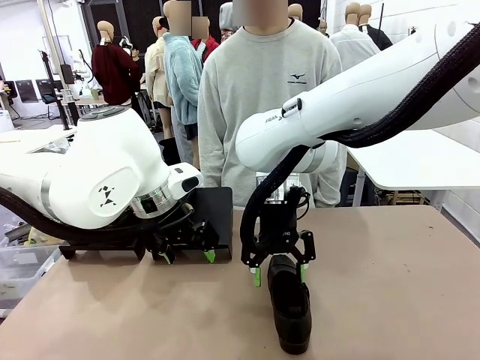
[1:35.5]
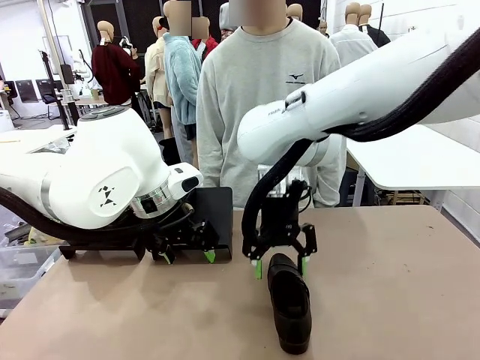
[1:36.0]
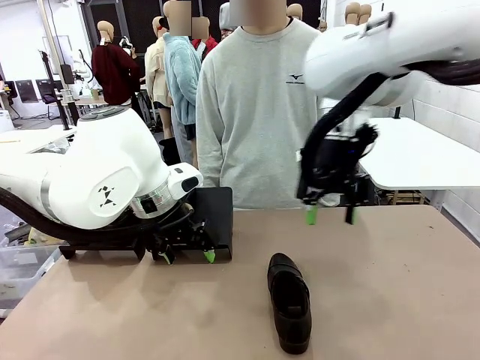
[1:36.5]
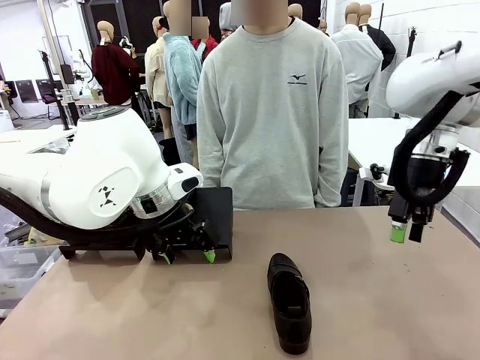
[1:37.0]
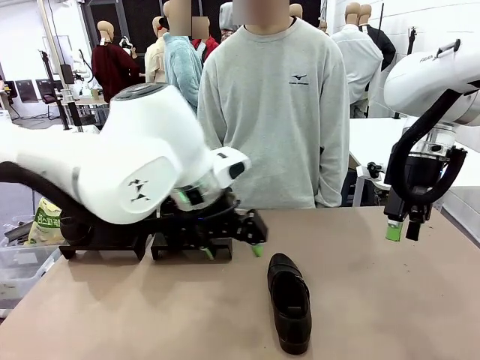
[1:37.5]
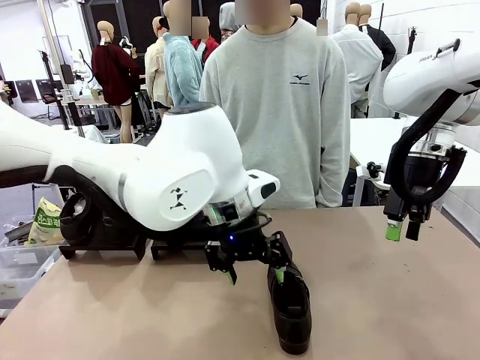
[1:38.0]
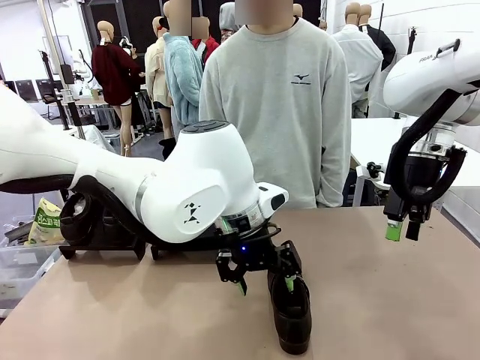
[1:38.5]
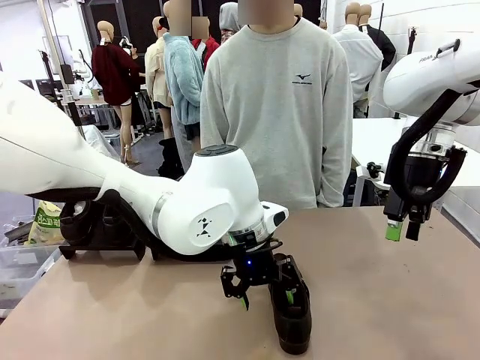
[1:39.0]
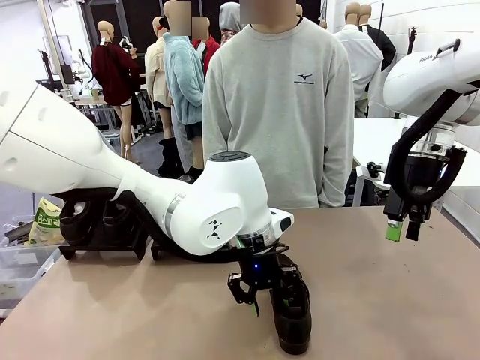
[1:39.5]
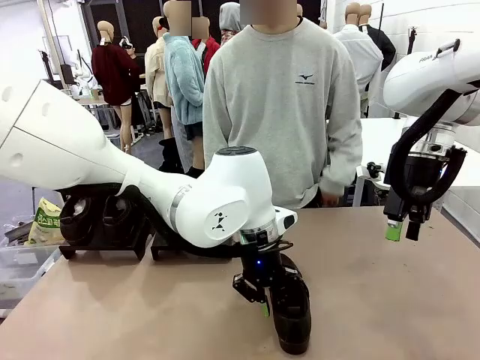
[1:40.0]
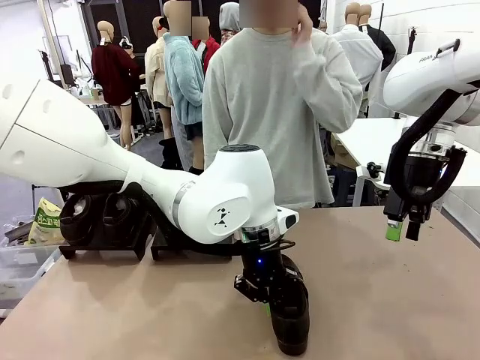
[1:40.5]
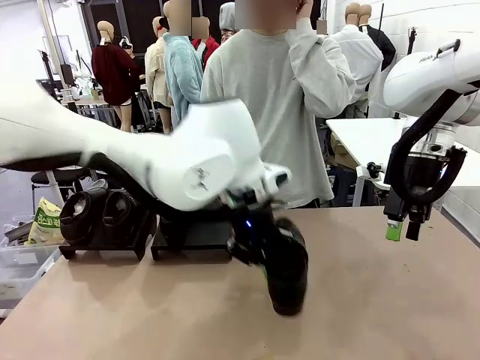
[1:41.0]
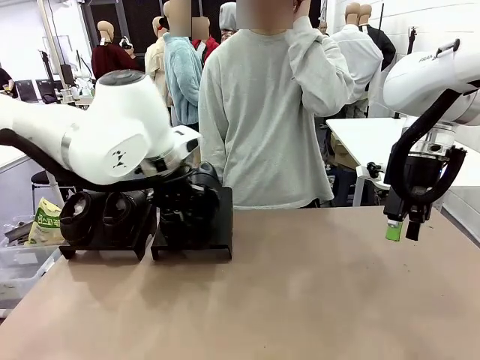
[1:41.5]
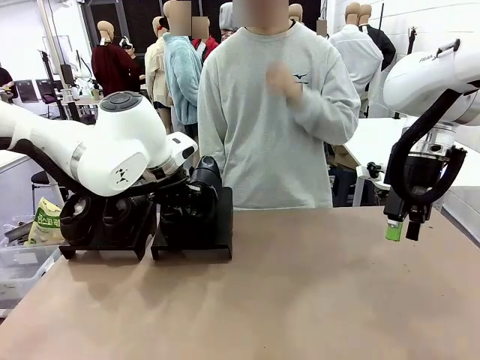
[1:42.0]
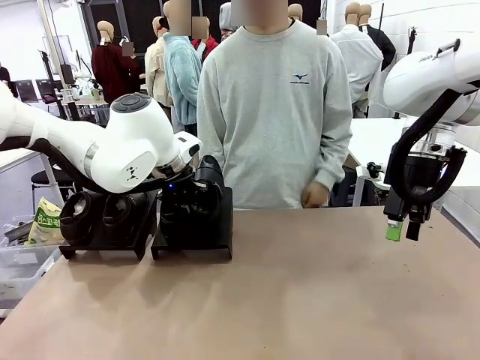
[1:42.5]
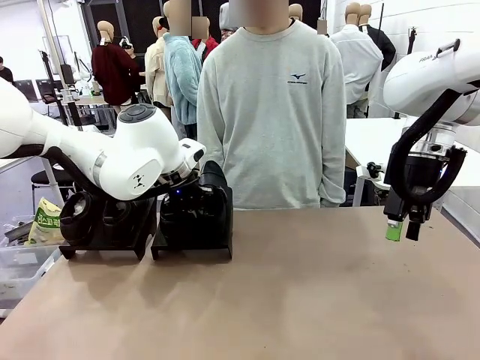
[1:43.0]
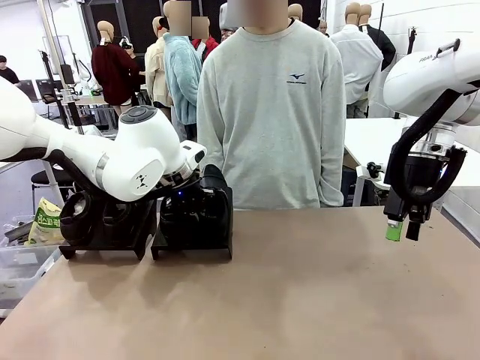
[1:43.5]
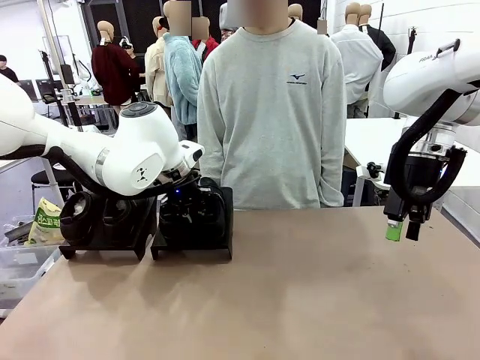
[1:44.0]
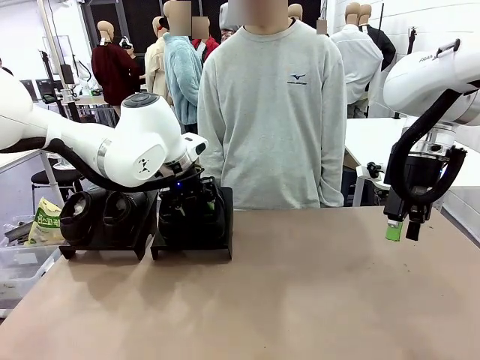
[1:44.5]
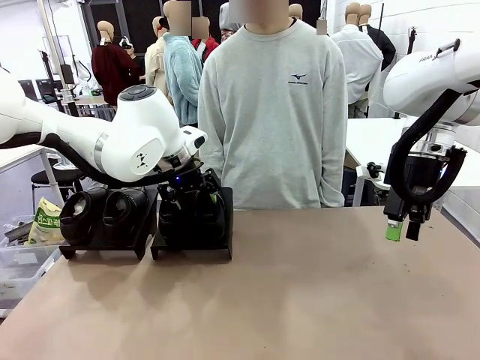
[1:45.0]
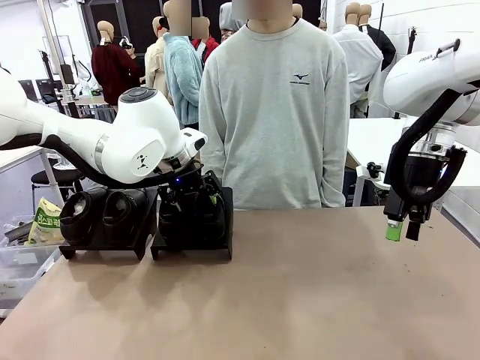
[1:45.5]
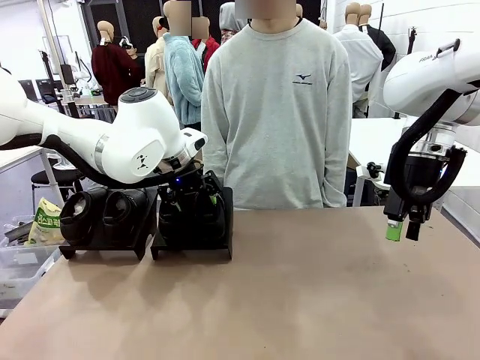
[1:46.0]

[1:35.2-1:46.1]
Task: Organize the shoes by placing them on the stand.
Robot: Place the Shoe from the middle of the table onto the Shoes Stand.

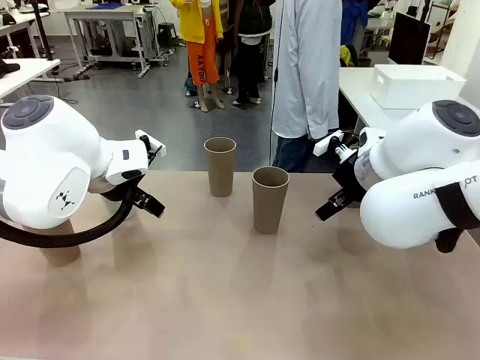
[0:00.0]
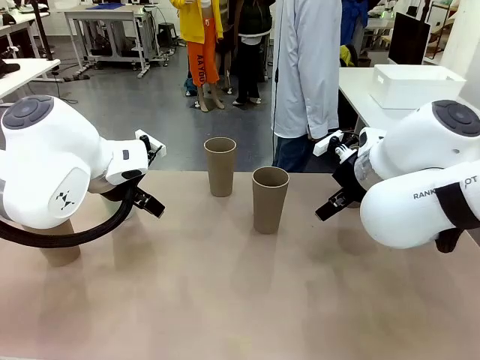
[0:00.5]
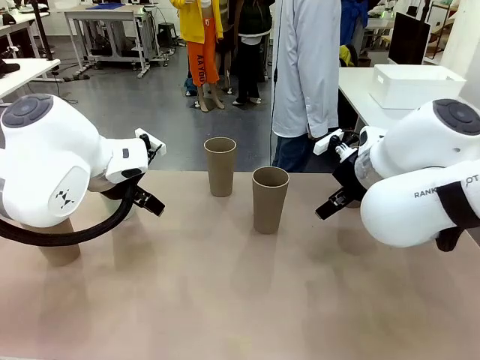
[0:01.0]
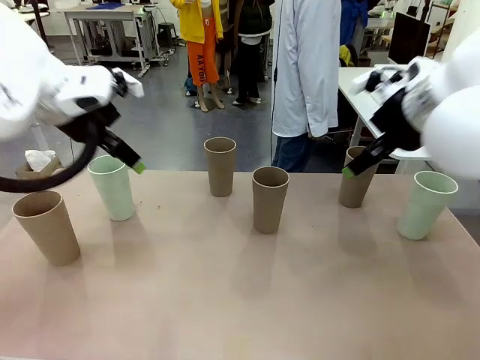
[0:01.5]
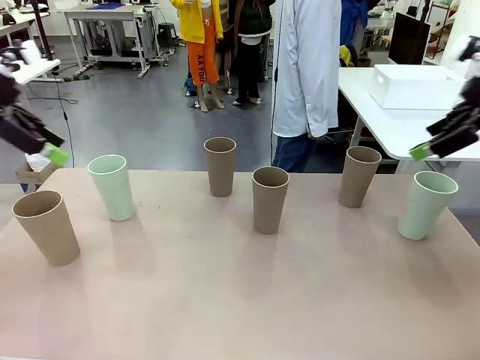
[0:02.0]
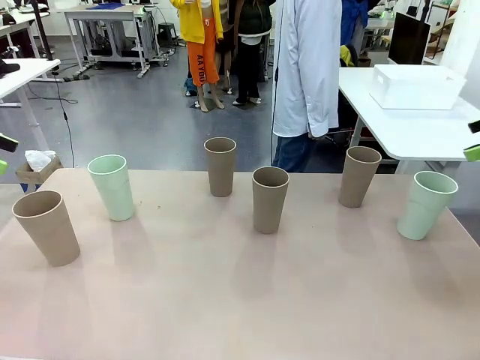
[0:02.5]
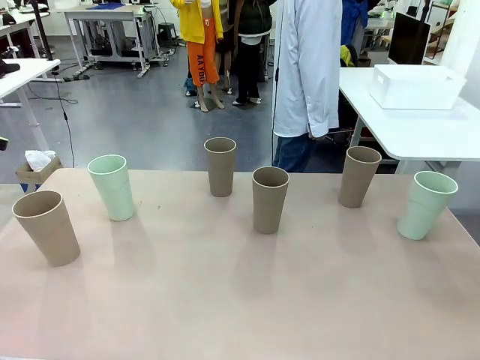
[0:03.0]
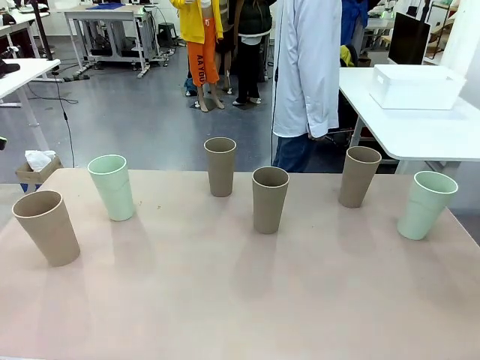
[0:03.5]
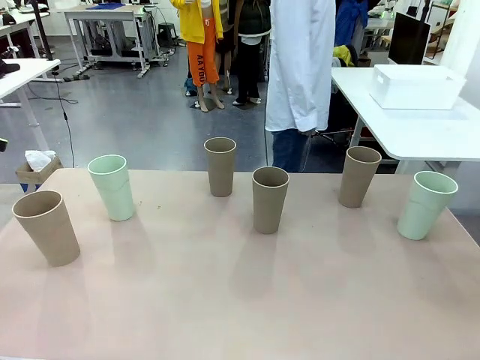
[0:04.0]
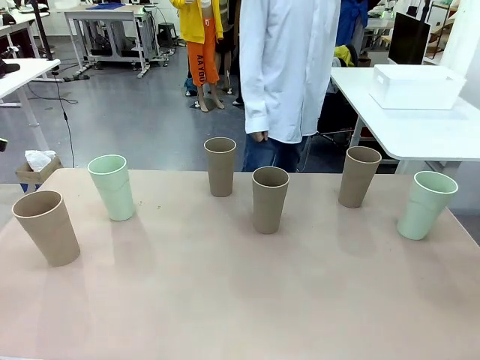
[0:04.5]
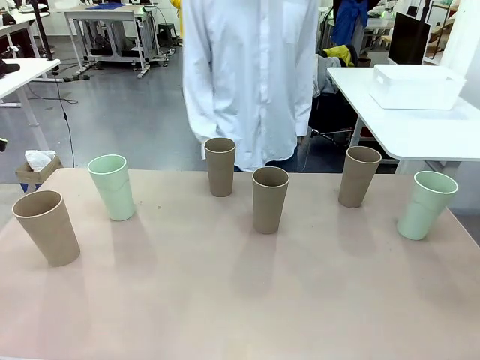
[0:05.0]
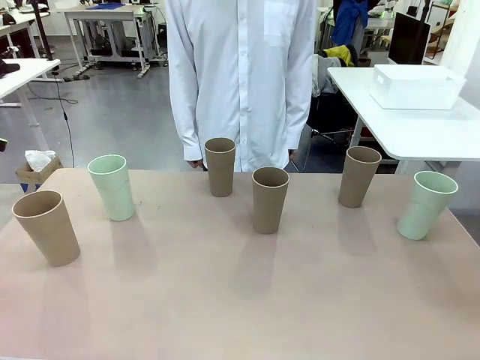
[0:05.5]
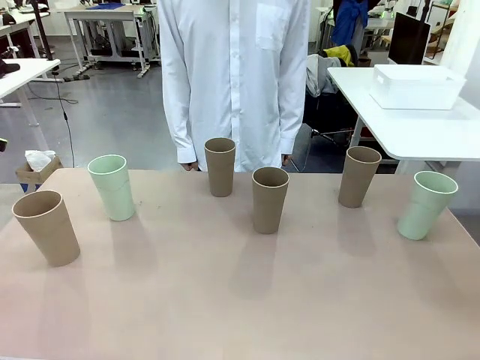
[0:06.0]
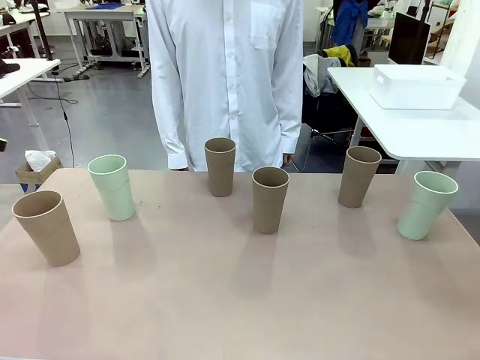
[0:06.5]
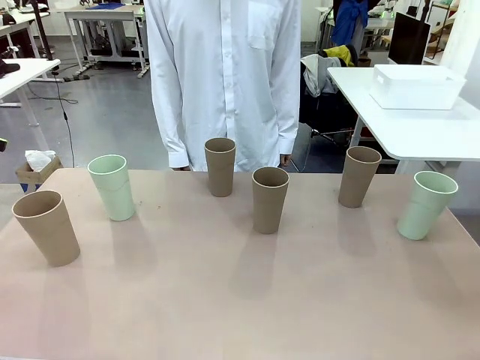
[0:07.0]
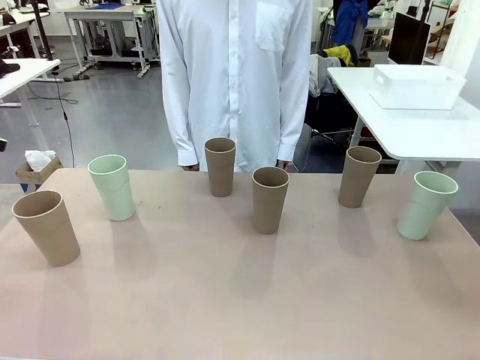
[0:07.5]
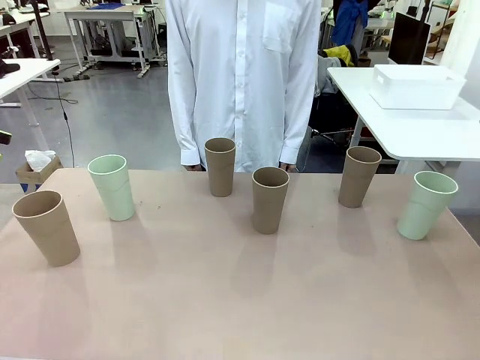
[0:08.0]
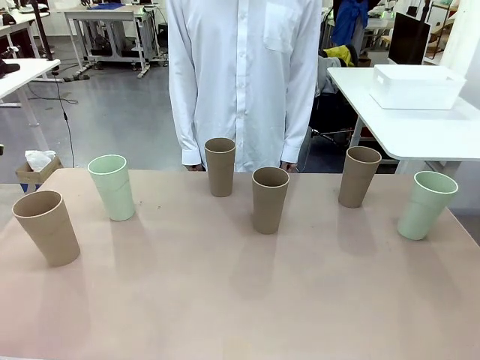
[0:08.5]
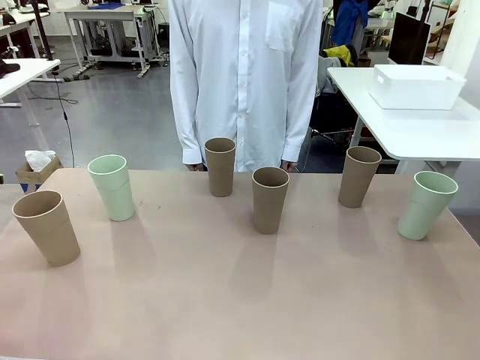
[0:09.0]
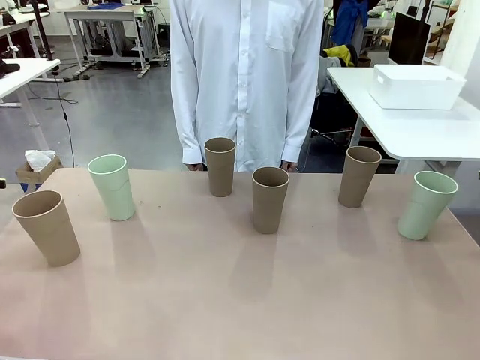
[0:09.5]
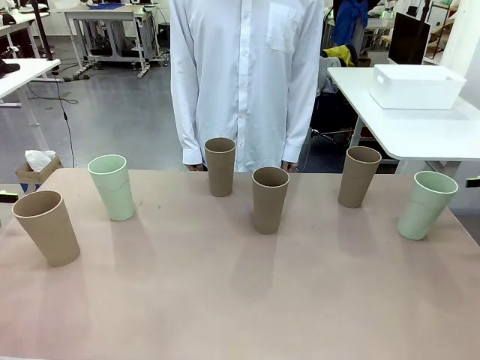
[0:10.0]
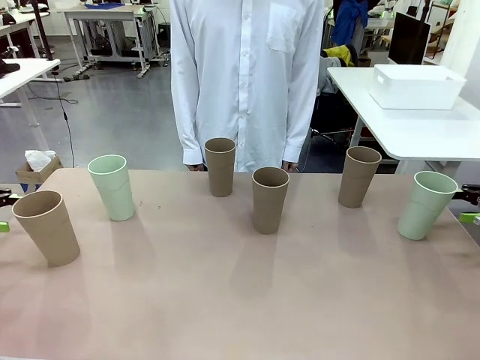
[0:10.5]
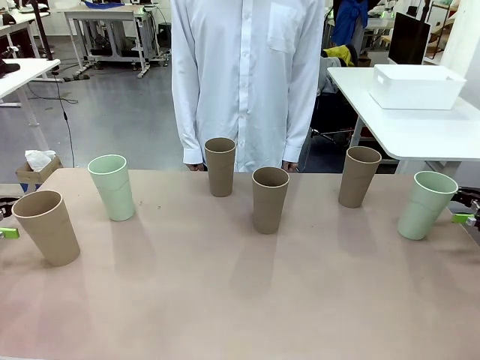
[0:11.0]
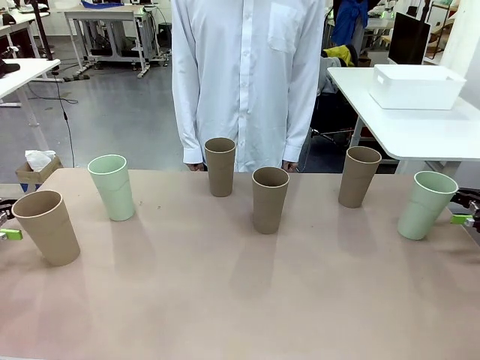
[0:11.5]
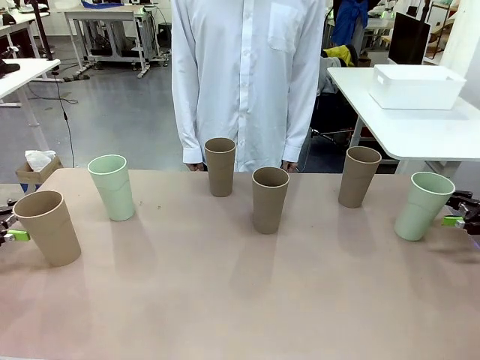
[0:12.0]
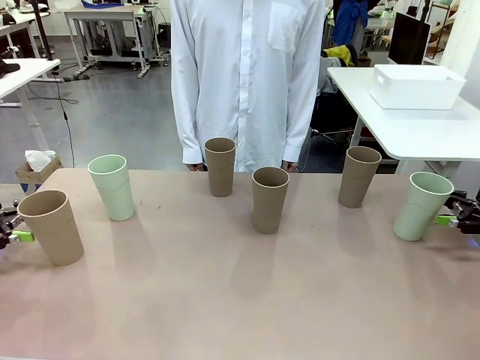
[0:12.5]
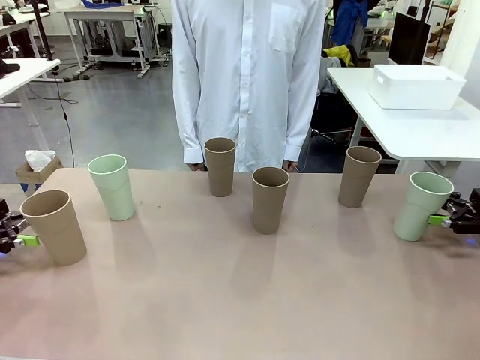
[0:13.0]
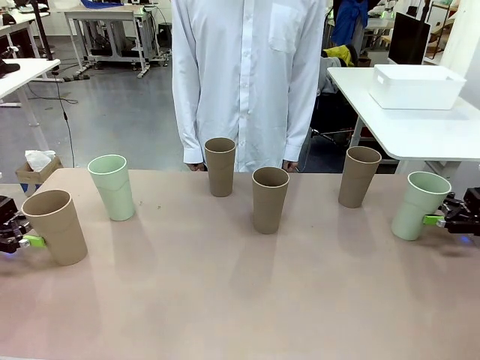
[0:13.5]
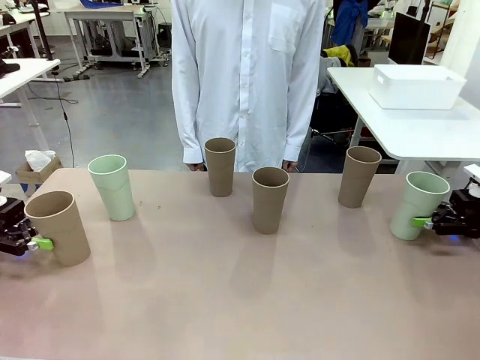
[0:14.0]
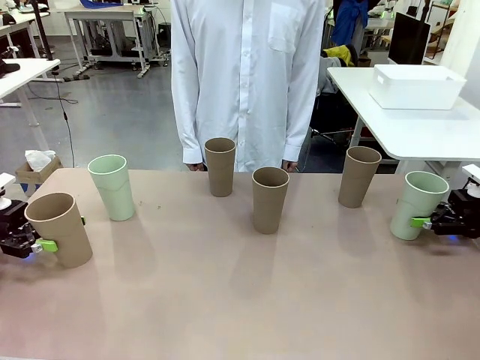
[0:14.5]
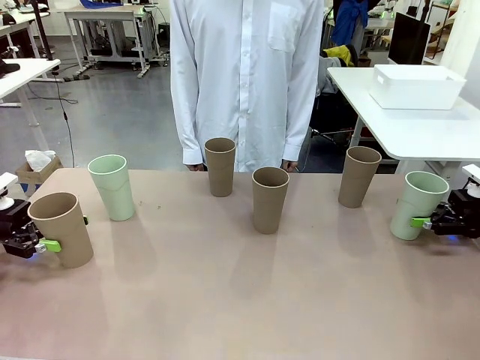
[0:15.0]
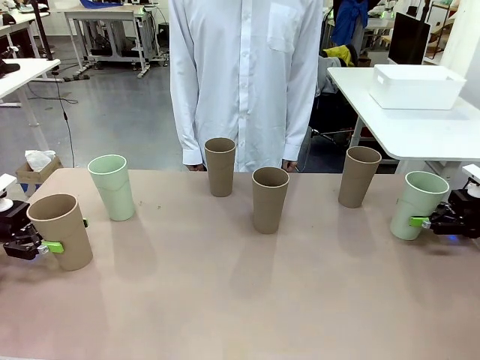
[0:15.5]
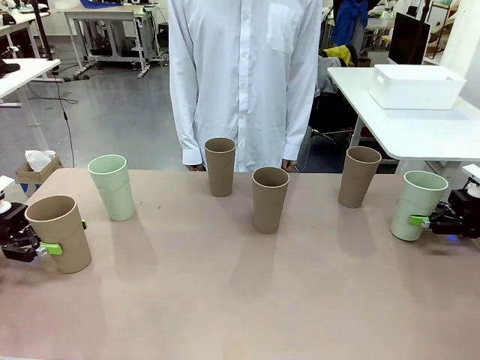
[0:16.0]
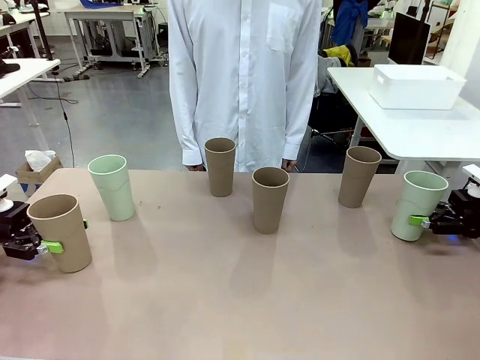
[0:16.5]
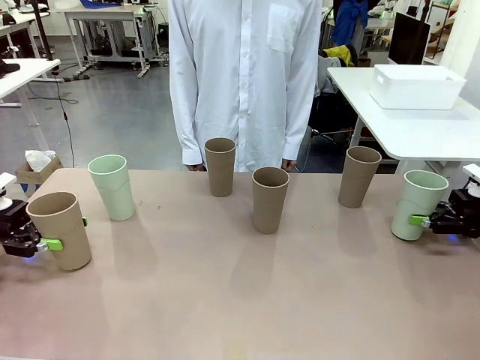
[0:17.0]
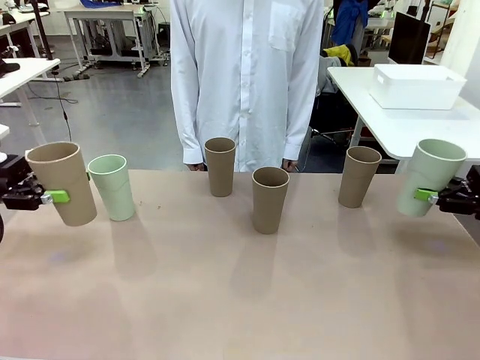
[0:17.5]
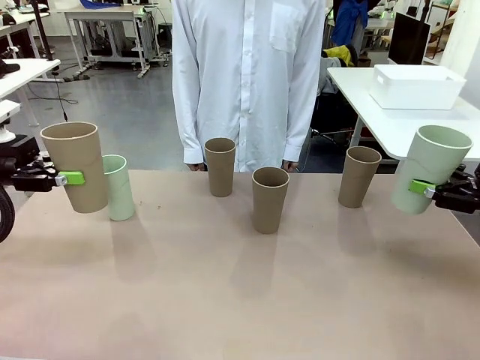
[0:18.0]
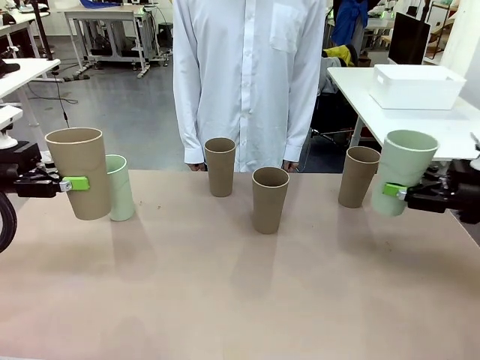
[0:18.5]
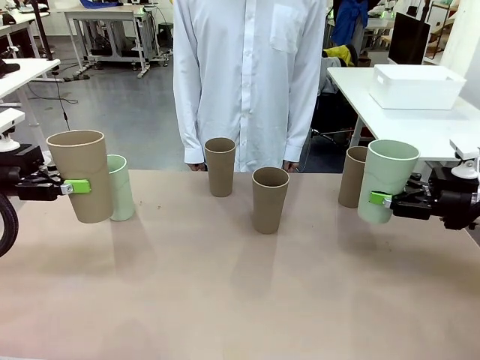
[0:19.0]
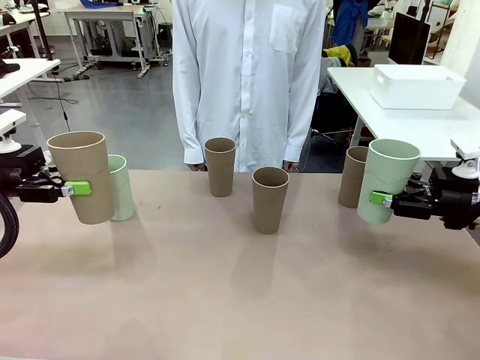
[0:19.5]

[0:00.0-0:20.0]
Task: Stack the cups and store them in the basket.
Robot: Pick up two Reusable plastic cups , one in each hand.
Person: Move from the Human Table to the front of the Robot Table. Stack two of the remaining cups on top of each cup held by the robot.
